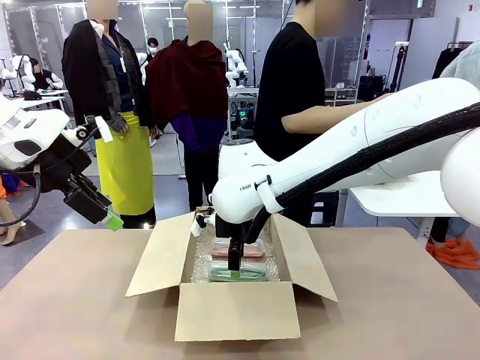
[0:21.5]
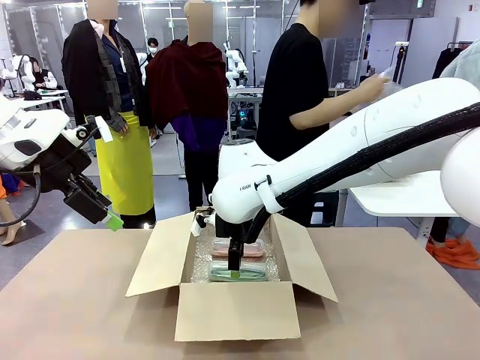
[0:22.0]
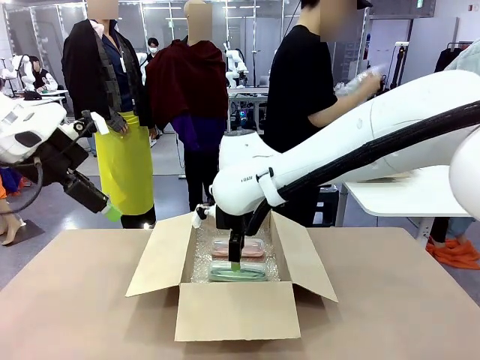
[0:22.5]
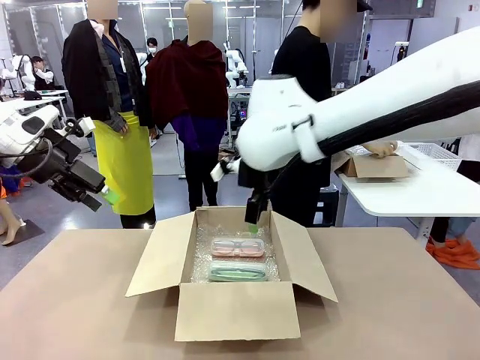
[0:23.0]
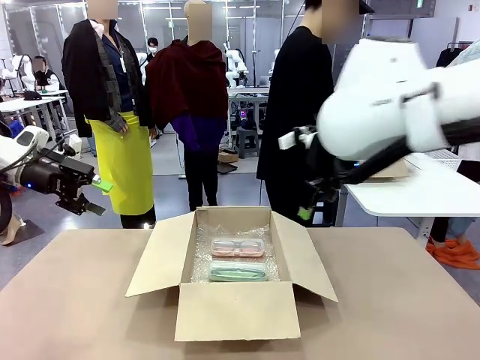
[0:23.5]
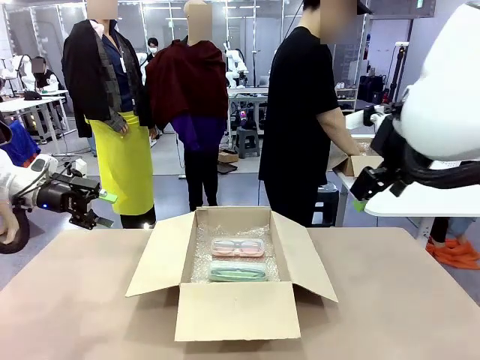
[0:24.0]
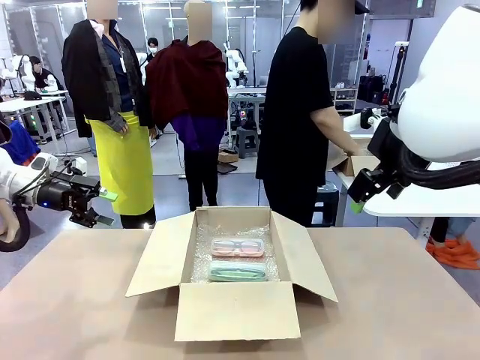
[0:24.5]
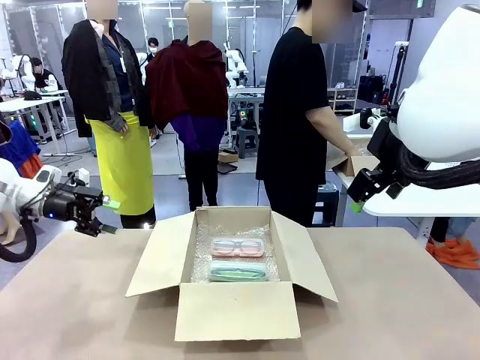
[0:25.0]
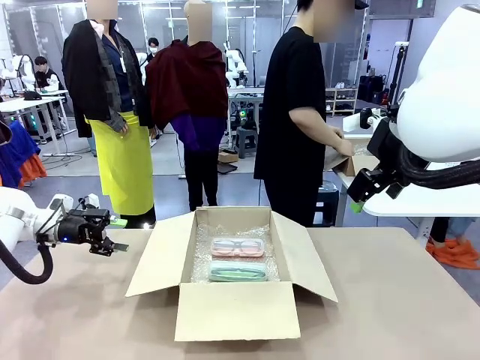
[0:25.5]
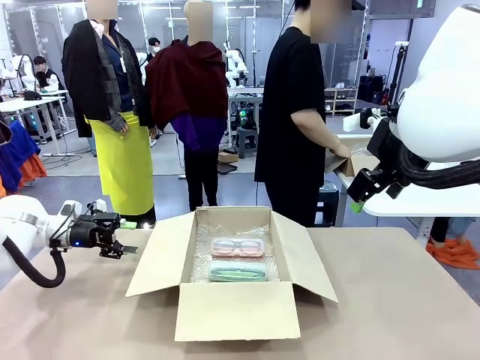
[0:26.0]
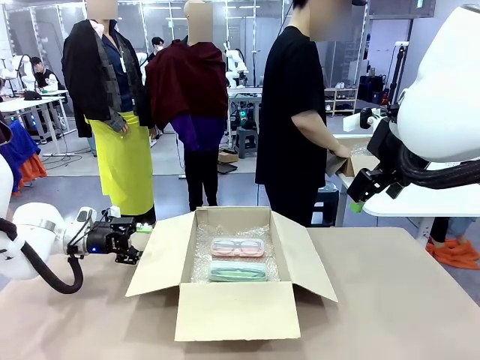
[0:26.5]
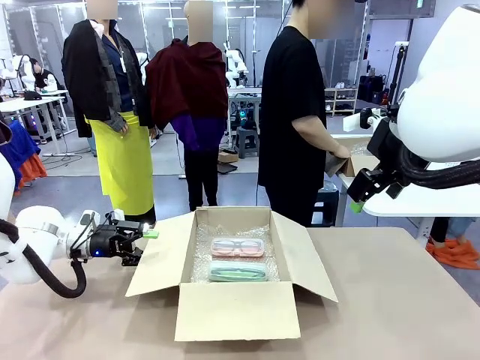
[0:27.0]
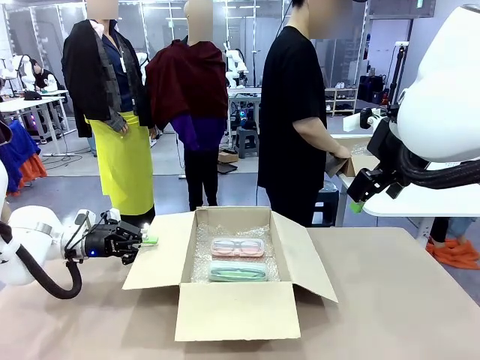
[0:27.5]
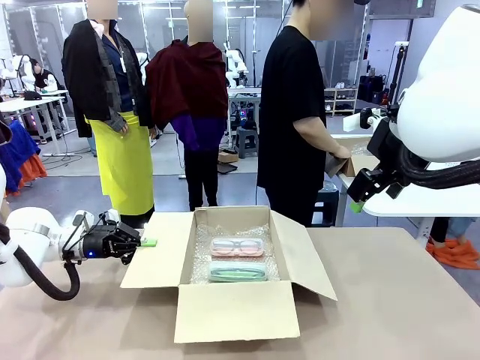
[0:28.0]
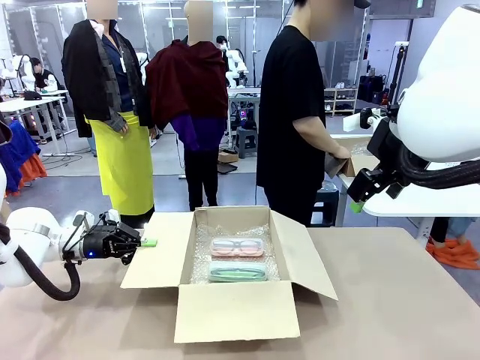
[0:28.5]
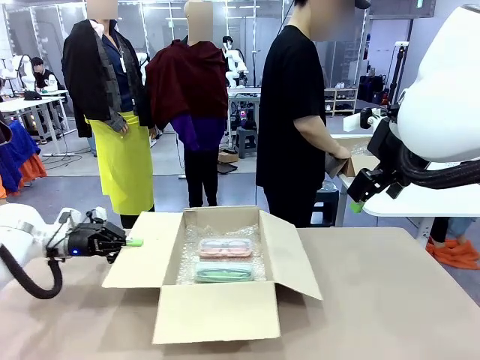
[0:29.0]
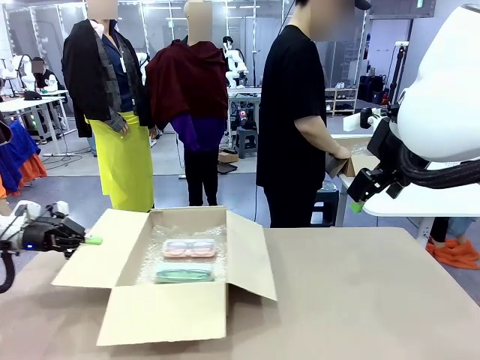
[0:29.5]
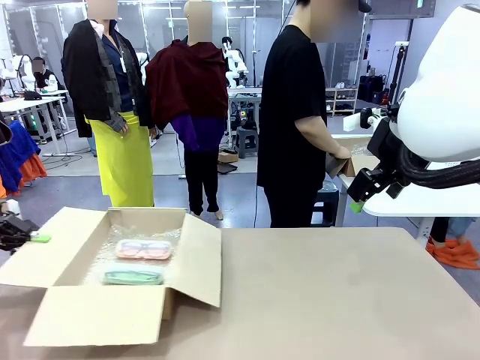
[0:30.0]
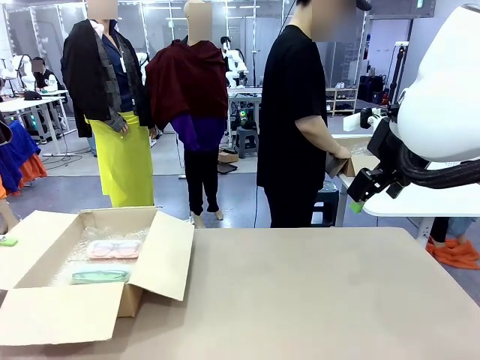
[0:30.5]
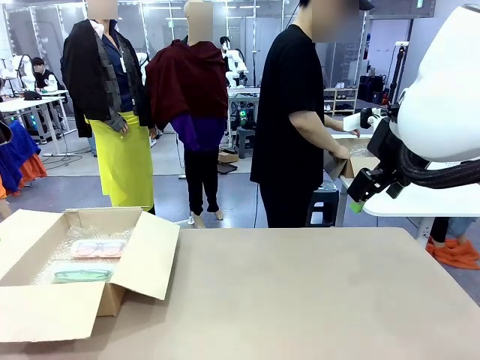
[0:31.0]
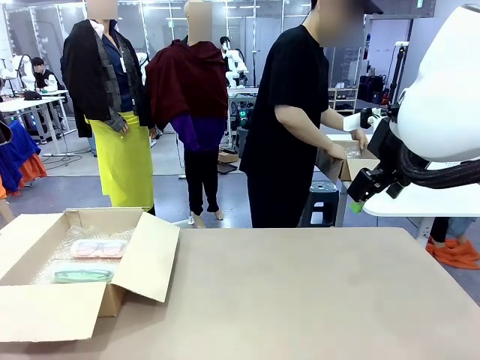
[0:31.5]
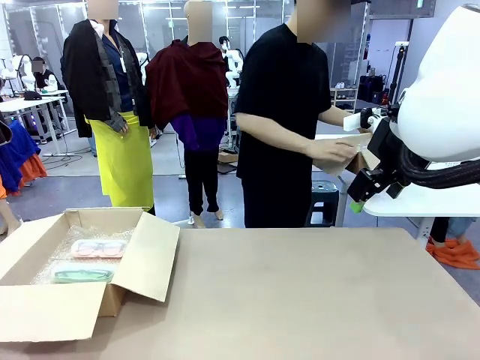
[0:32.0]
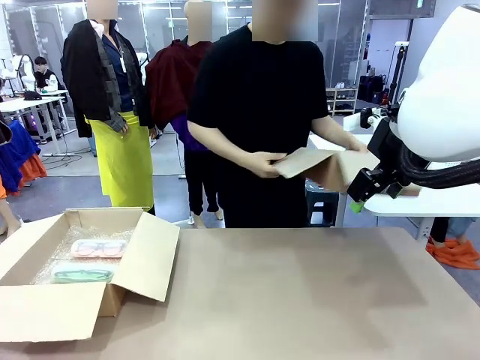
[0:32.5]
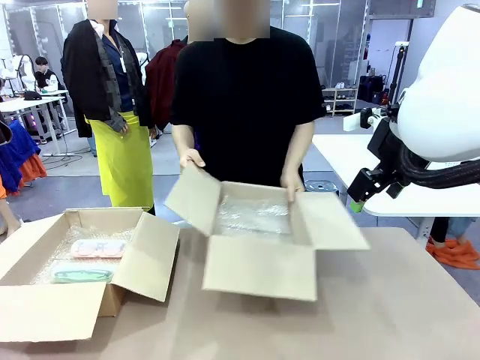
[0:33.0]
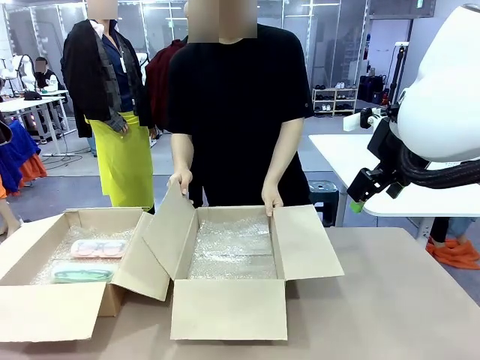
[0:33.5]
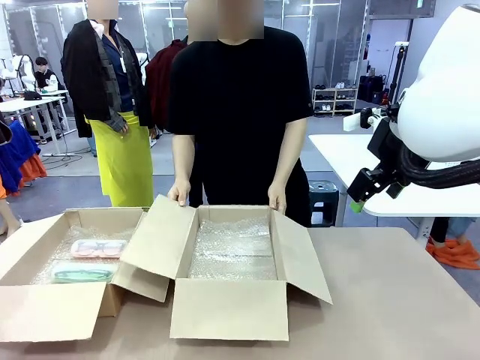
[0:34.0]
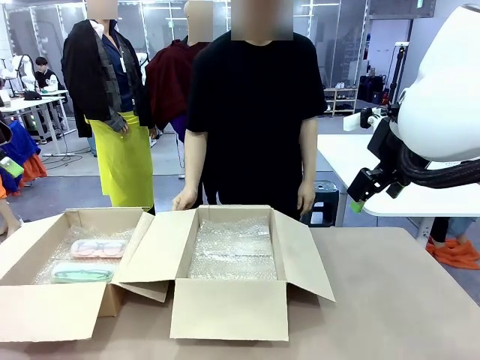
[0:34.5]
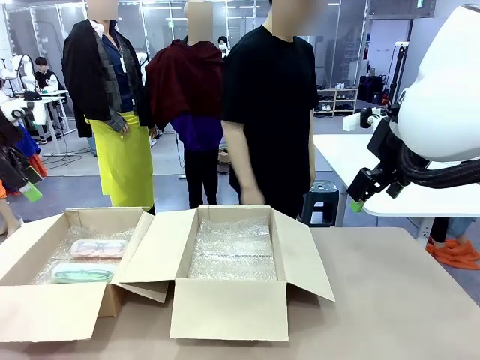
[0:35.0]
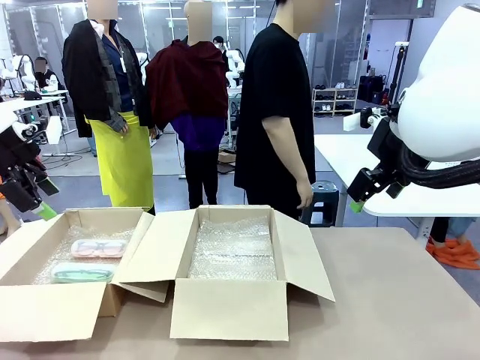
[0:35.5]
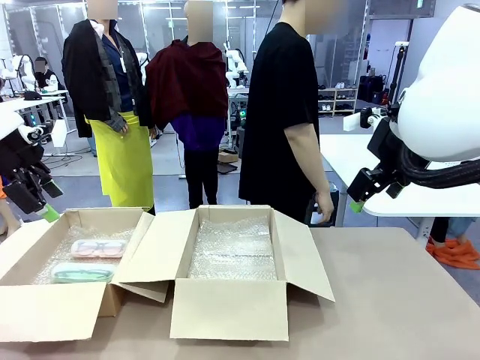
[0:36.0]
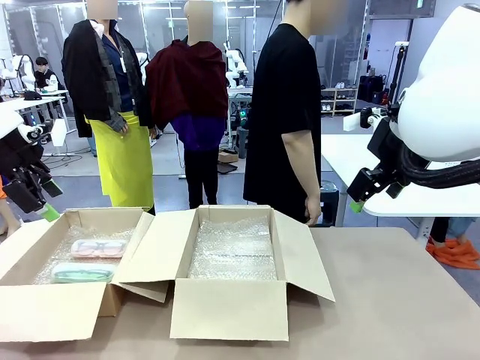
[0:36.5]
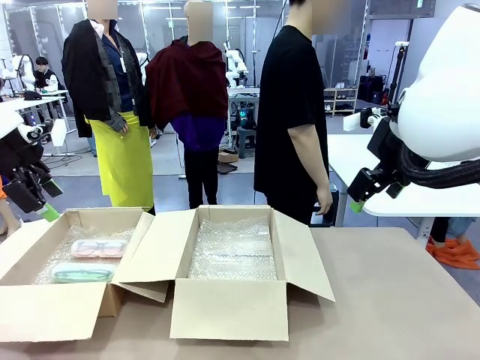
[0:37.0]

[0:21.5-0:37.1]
Task: Pack the glasses set securely to prepare it for shipping.
Robot: Position the Package Box on the left side of the table.
Person: Position the empty Package Box in the middle of the robot's table.
